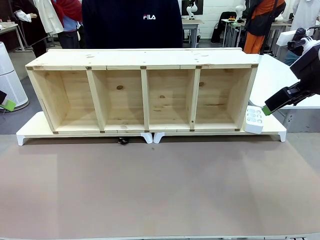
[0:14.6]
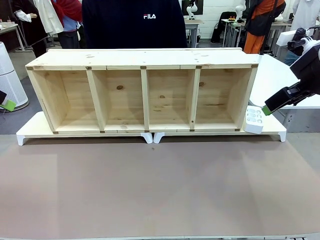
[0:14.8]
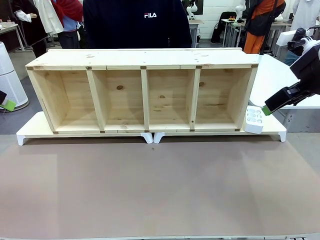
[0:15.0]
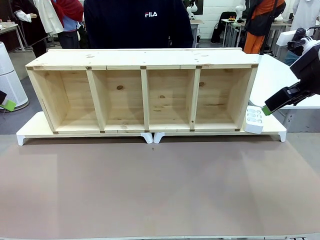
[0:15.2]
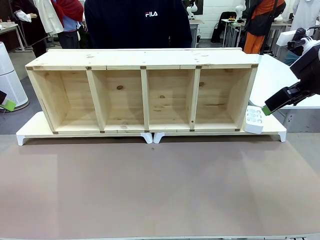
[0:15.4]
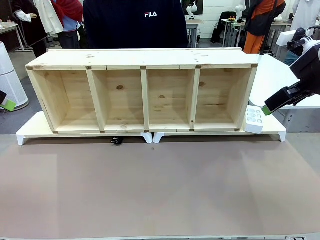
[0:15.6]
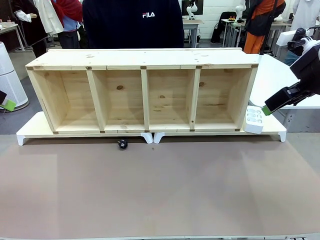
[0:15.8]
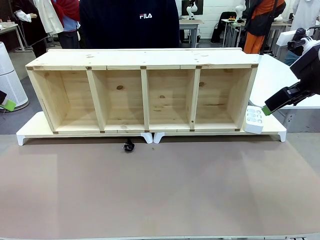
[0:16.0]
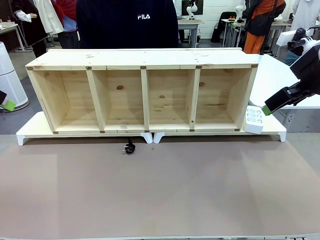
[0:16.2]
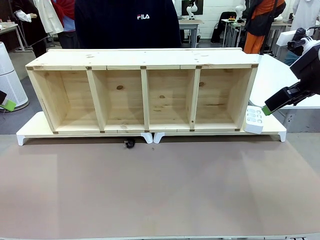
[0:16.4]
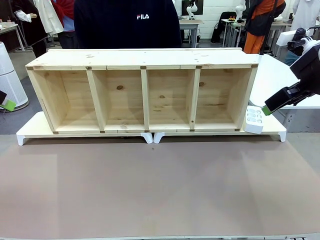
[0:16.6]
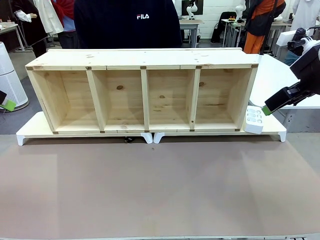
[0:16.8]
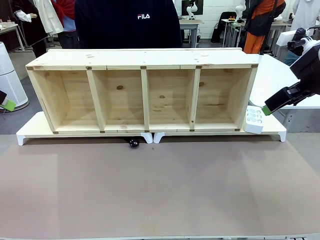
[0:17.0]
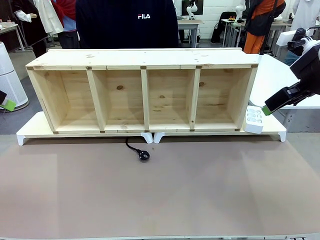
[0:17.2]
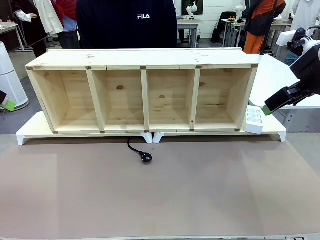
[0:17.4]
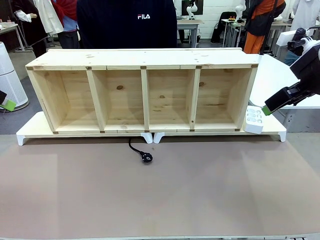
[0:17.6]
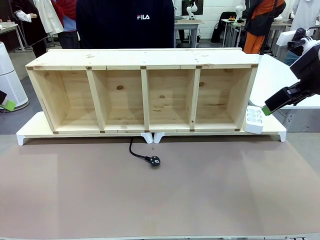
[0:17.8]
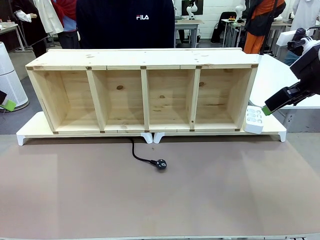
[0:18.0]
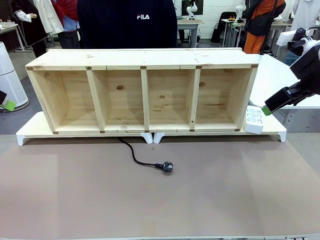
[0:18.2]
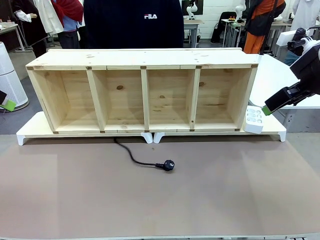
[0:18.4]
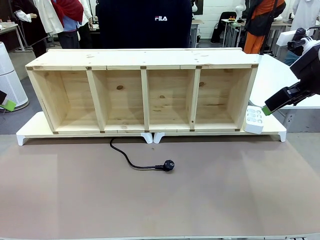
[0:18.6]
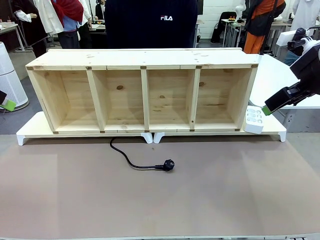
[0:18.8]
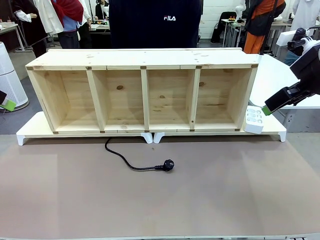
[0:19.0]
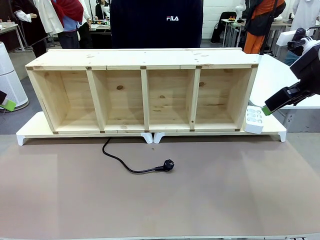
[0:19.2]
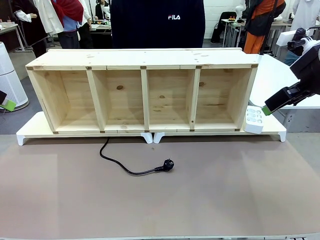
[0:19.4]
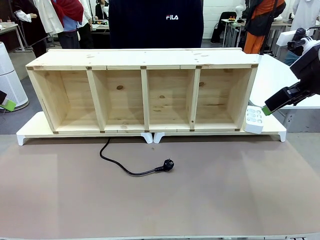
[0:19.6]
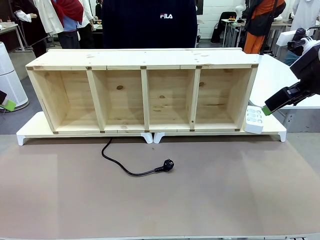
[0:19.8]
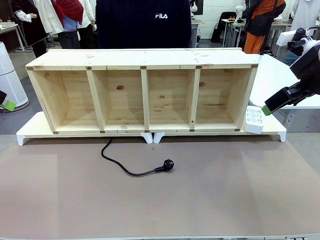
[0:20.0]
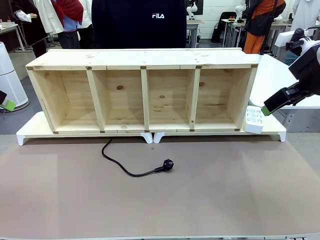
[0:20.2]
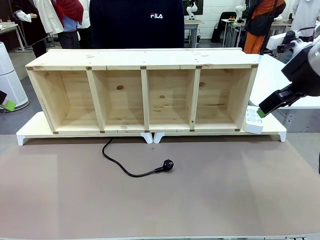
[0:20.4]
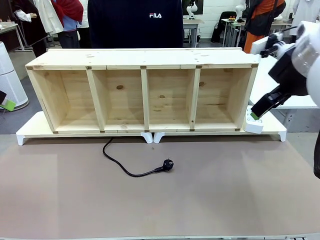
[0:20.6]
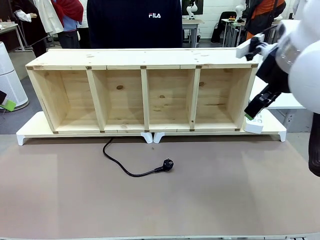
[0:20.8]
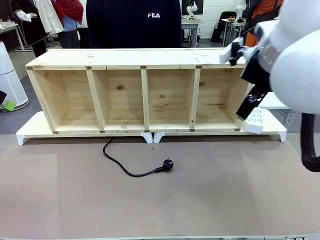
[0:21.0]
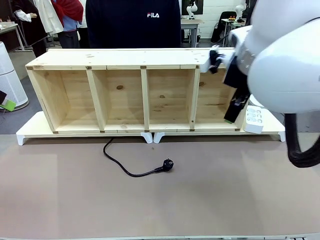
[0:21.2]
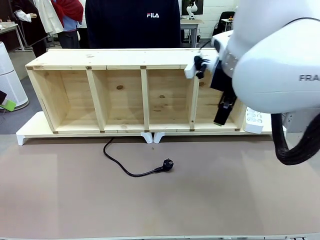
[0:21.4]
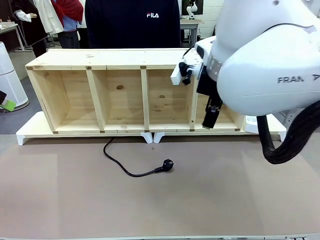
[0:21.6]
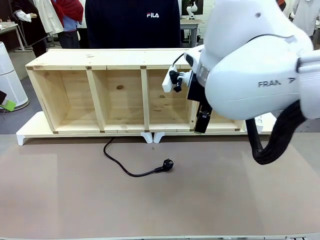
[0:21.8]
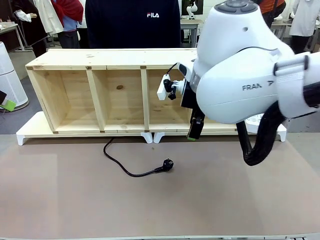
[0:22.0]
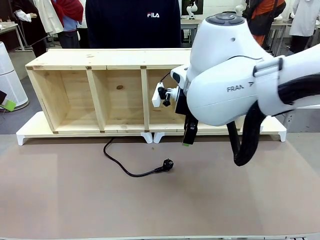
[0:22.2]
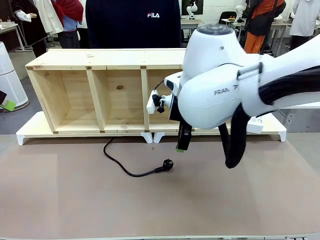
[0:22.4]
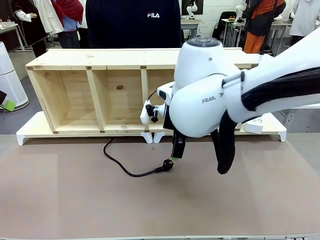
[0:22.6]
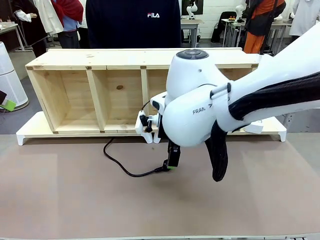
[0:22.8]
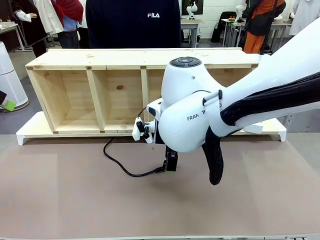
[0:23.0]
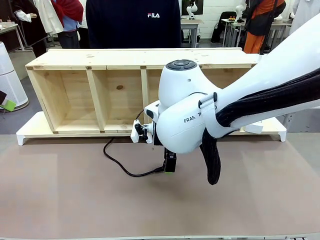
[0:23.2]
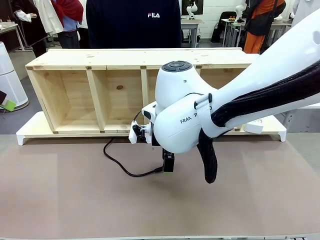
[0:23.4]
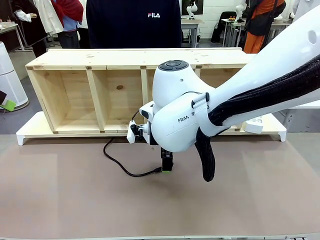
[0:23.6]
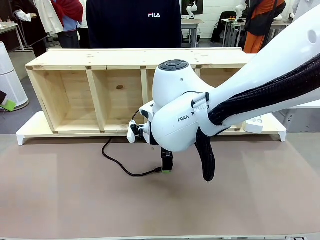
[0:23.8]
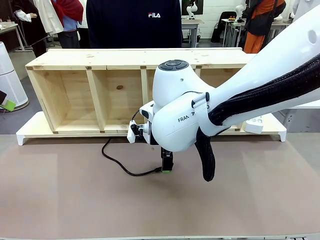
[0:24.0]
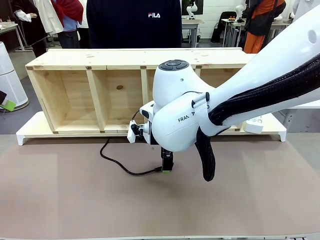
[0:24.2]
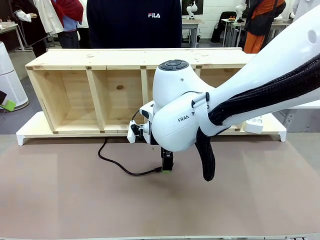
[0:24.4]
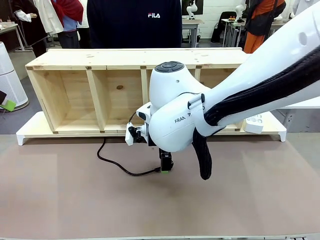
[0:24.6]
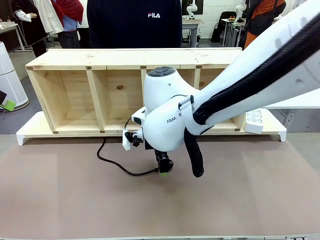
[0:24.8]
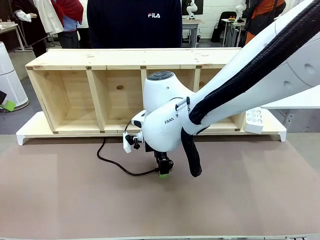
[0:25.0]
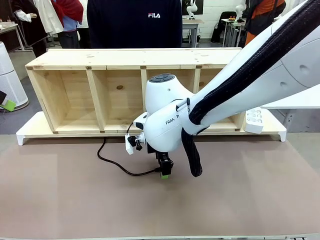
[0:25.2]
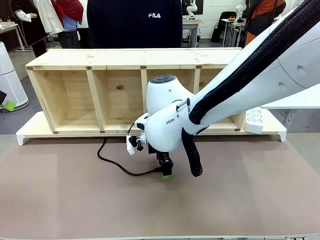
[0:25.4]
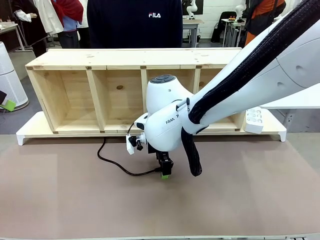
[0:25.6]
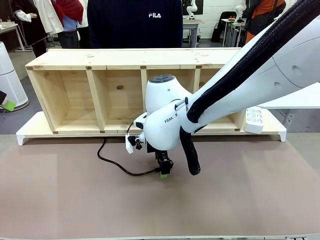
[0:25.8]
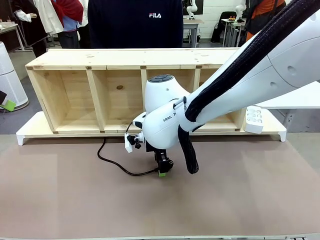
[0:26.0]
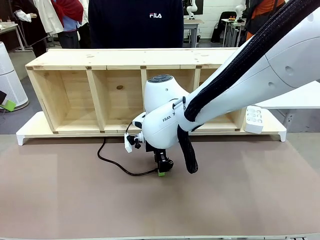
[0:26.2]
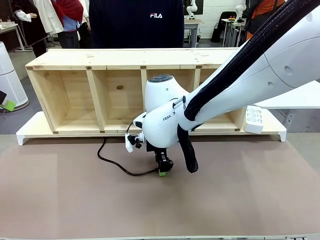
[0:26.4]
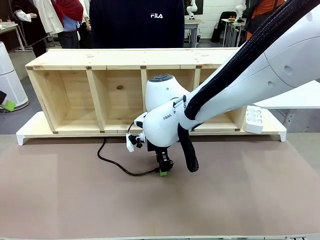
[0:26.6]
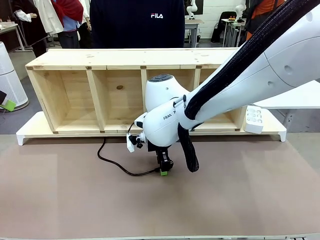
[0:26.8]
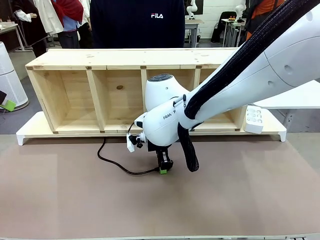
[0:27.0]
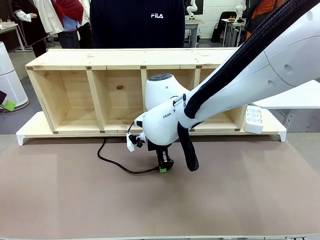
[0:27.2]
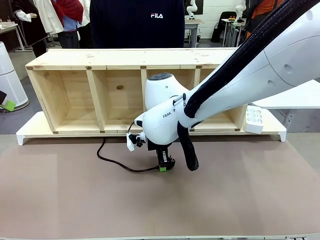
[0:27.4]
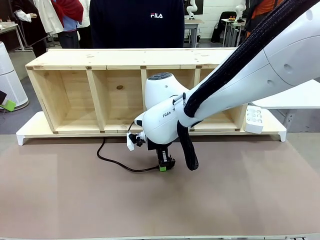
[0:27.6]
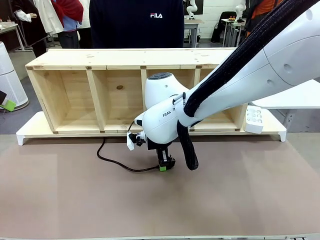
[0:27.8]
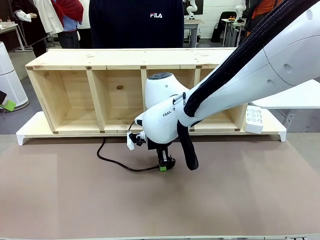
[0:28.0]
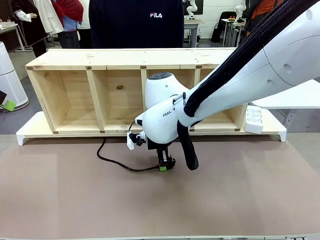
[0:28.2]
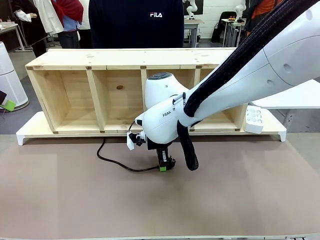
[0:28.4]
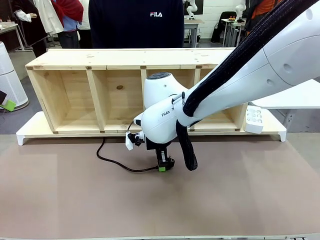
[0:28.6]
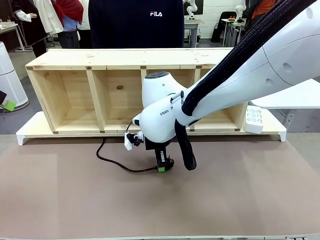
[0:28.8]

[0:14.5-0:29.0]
Task: Perform cable management.
Robot: When the cord part of the Power Cable appears at the lower middle area of the table and stops, grasp the cord part of the Power Cable.

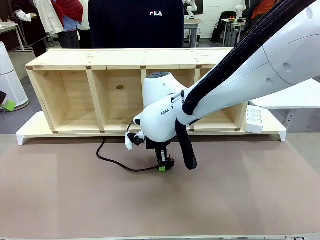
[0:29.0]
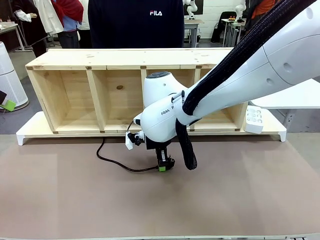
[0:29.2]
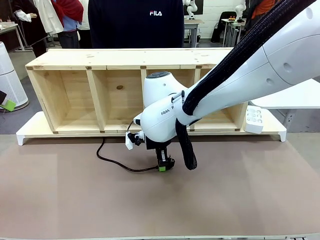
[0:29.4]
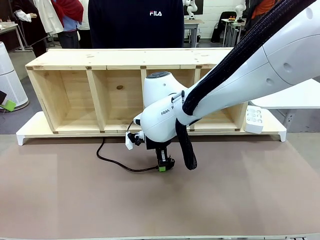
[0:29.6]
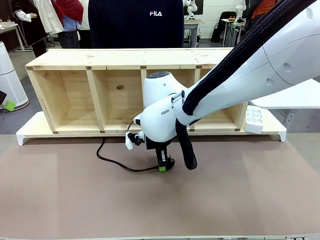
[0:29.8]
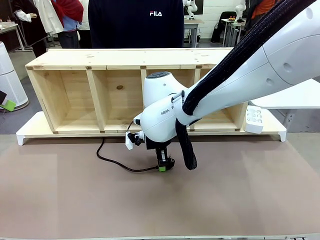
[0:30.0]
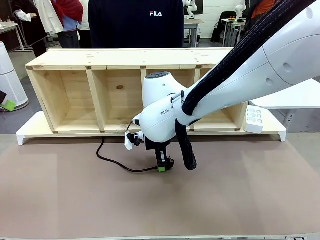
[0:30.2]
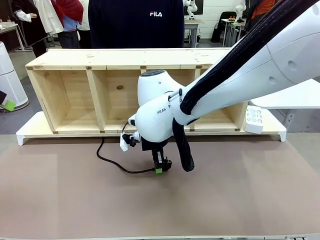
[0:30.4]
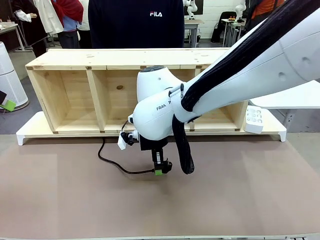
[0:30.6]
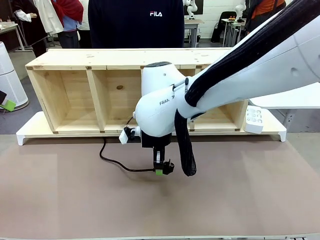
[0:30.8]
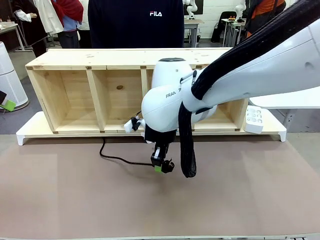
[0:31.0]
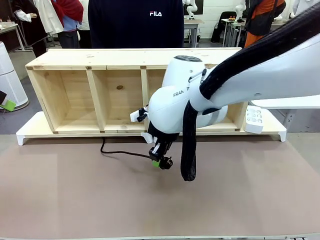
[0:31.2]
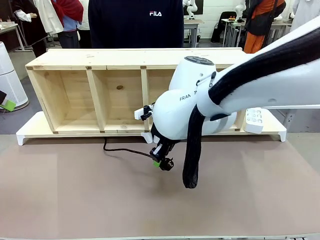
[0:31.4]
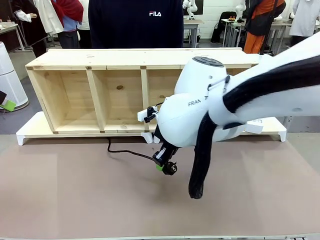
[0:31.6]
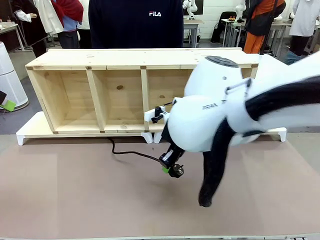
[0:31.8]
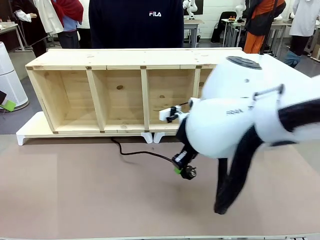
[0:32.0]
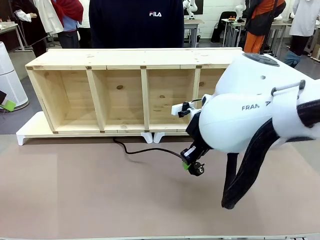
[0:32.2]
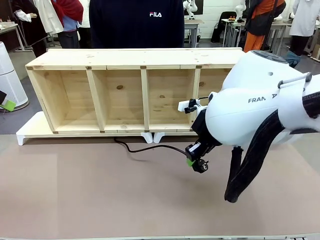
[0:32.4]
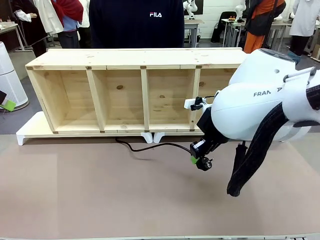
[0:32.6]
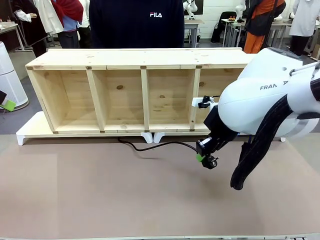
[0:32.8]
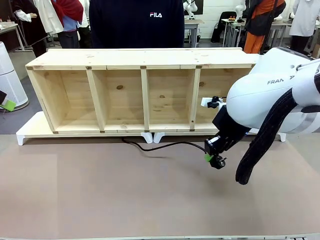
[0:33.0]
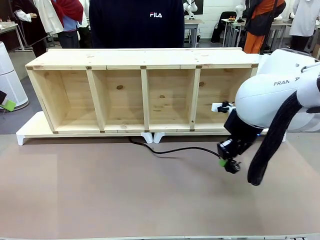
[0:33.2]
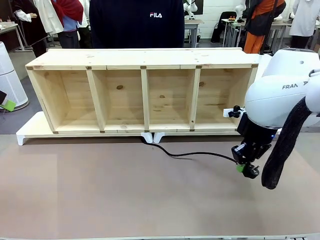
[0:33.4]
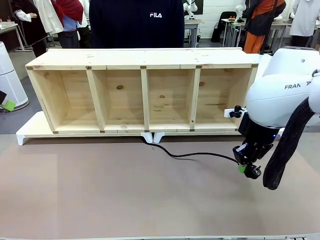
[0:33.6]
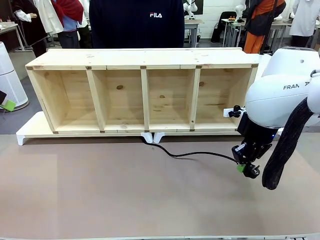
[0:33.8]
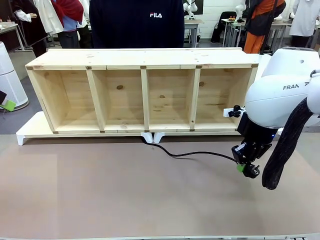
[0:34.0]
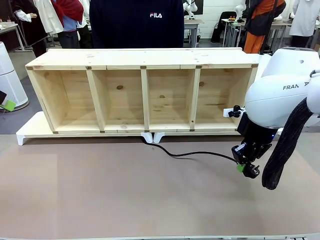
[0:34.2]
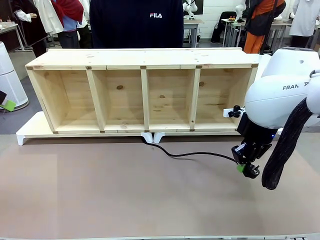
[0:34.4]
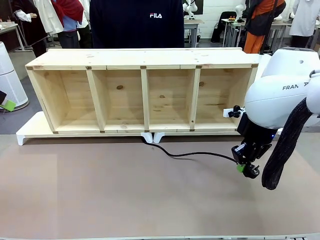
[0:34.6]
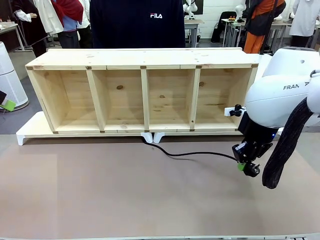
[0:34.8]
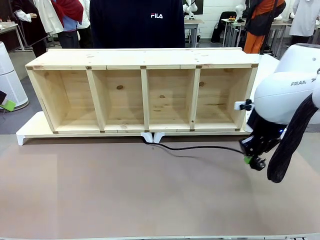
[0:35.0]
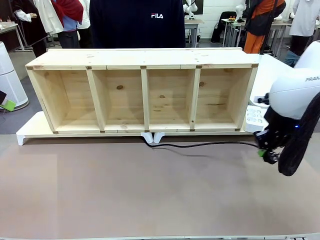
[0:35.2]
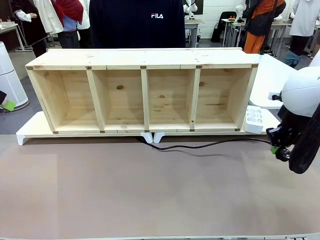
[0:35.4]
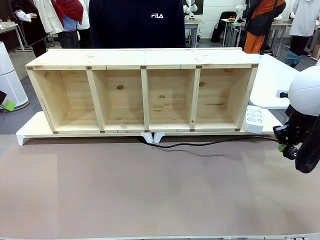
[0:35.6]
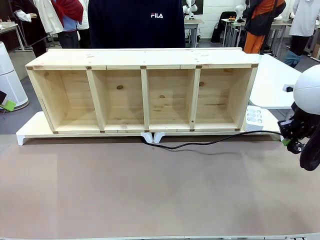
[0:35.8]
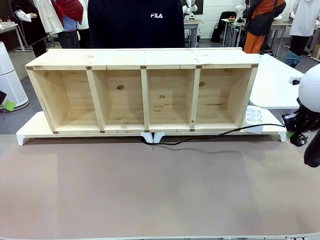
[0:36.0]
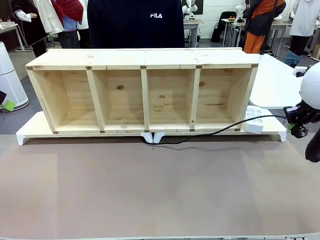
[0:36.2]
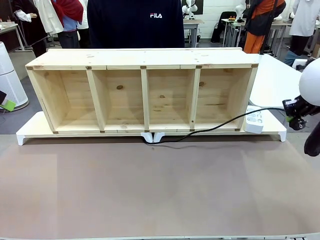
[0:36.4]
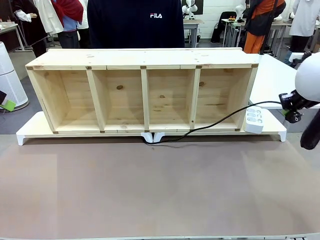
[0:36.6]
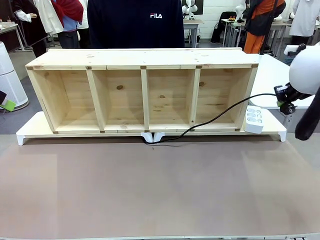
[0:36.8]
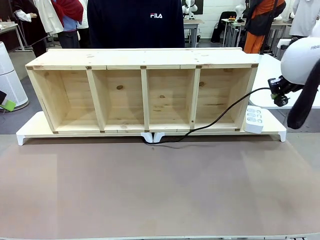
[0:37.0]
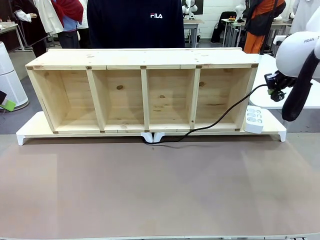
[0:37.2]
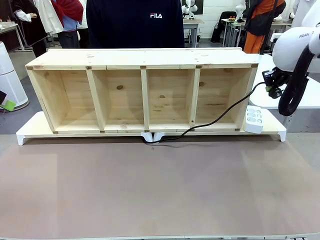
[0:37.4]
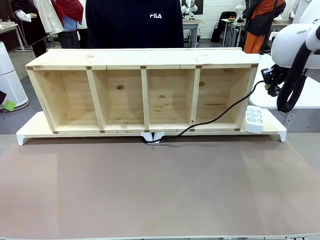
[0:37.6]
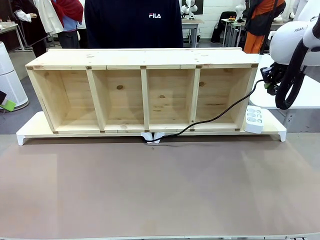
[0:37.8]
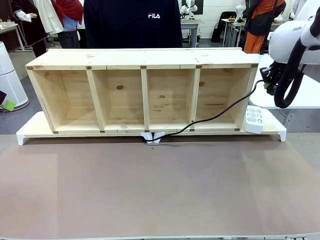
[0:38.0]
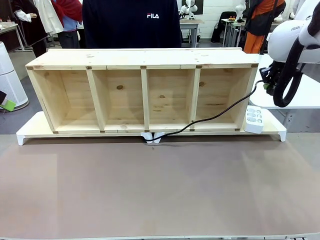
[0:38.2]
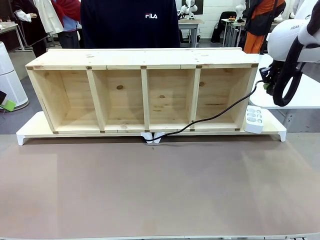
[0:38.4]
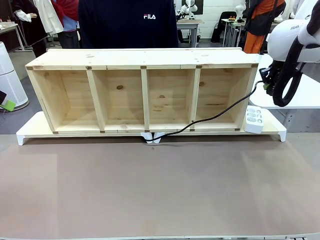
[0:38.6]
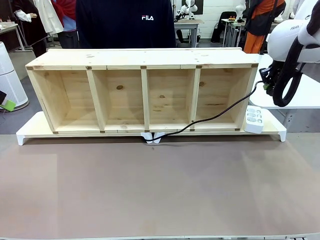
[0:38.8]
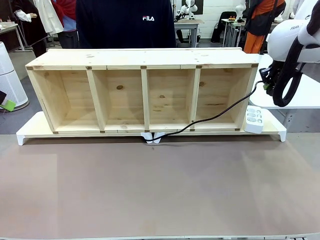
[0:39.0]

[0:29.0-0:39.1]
Robot: Pull the grasped Power Cable to the location of the Power Strip.
